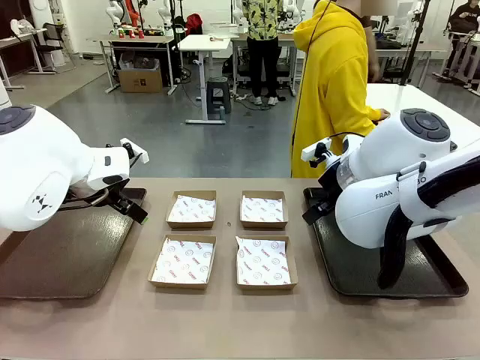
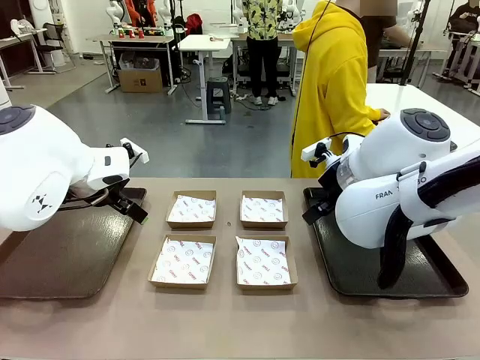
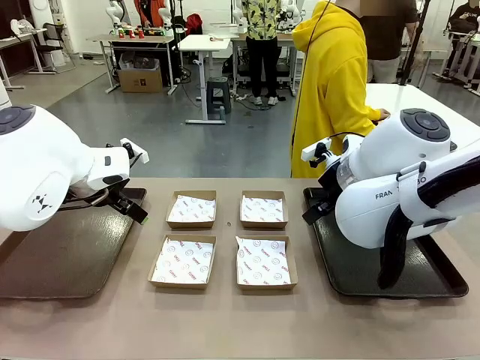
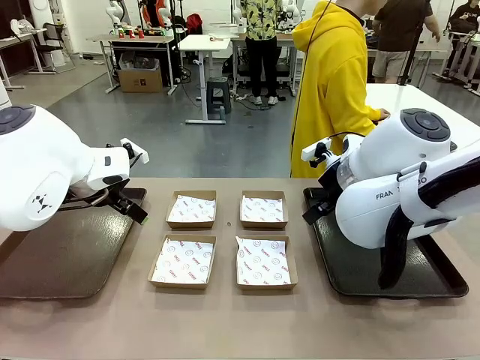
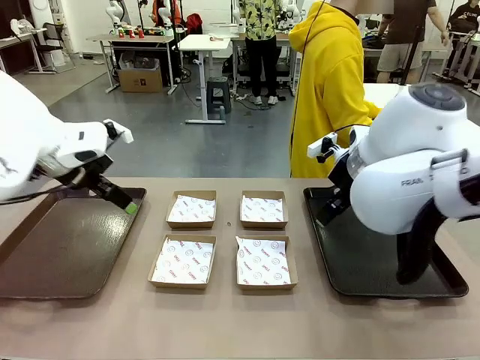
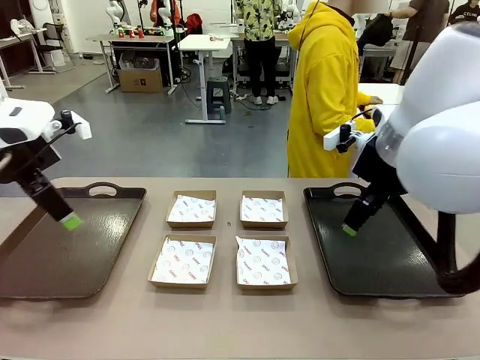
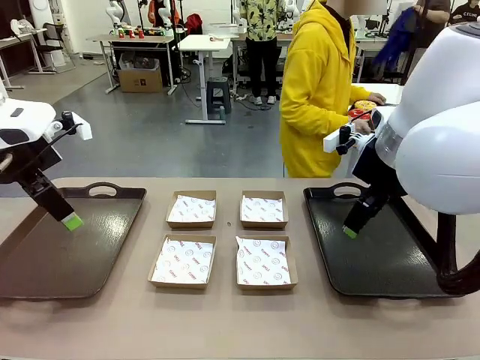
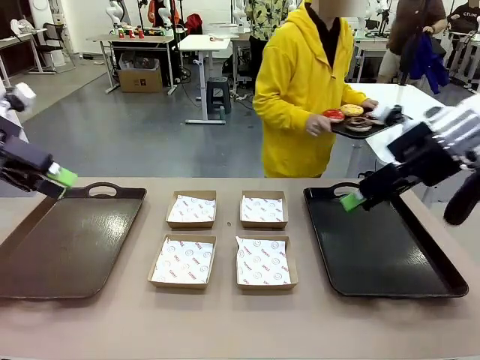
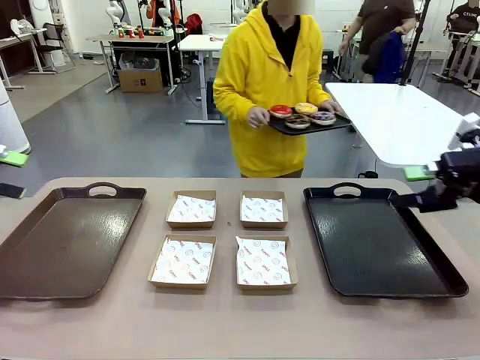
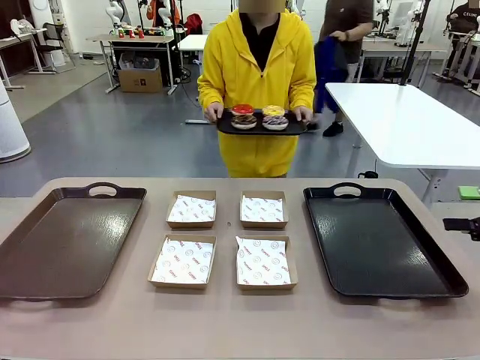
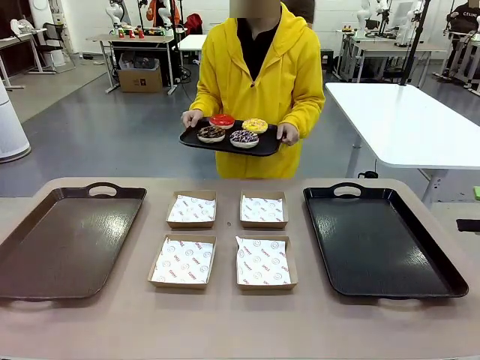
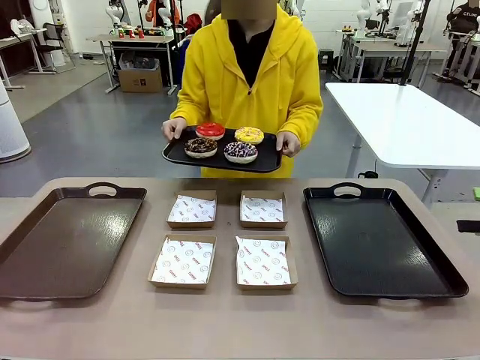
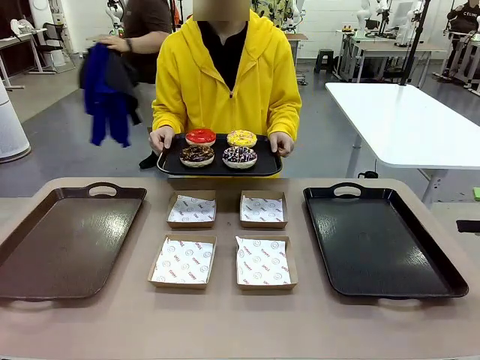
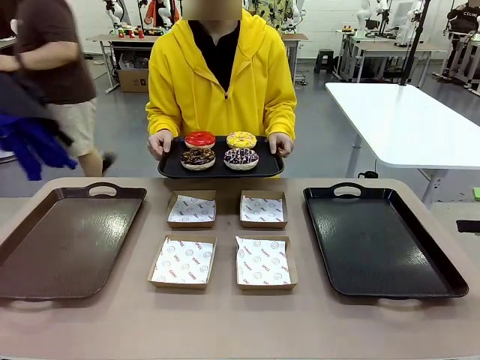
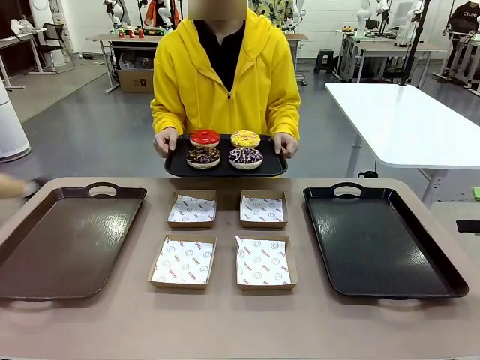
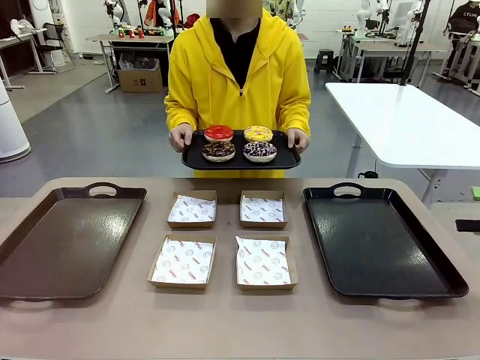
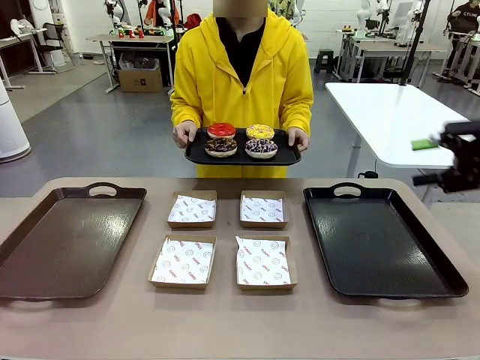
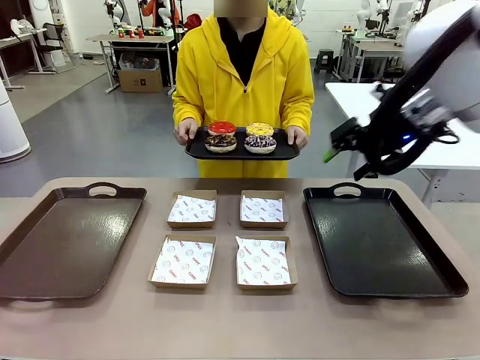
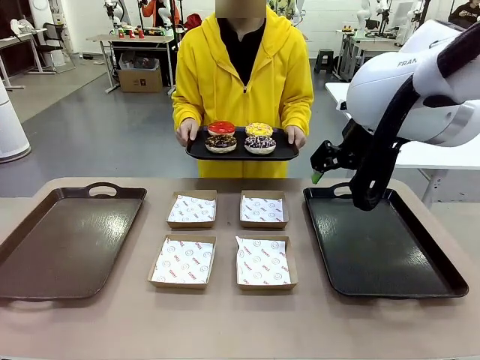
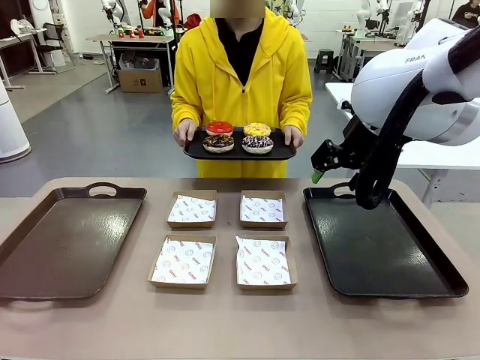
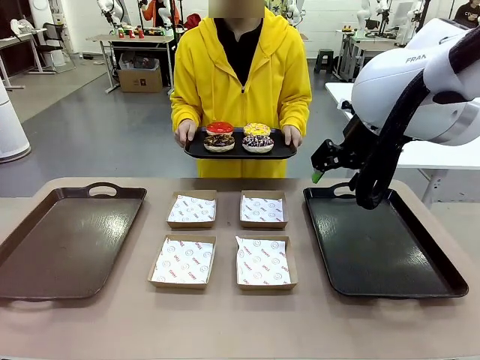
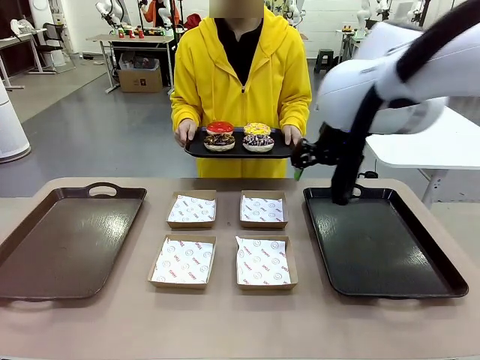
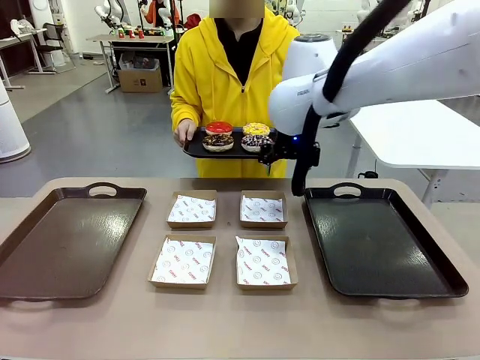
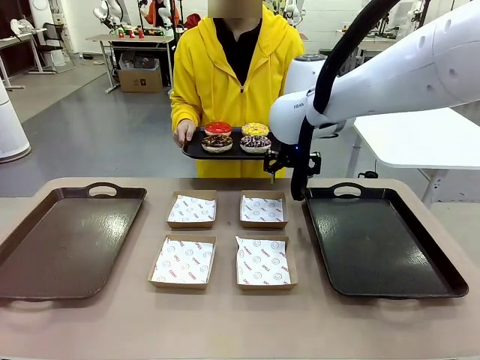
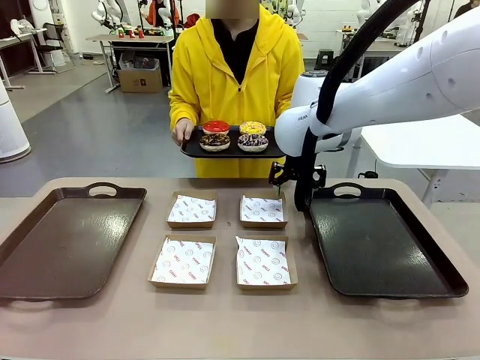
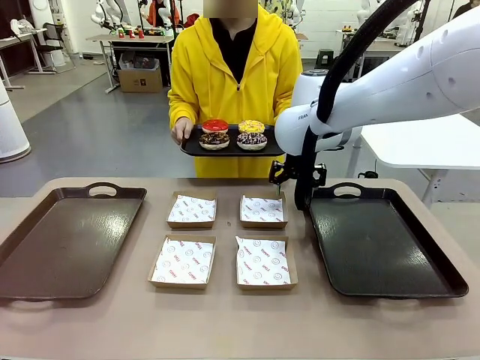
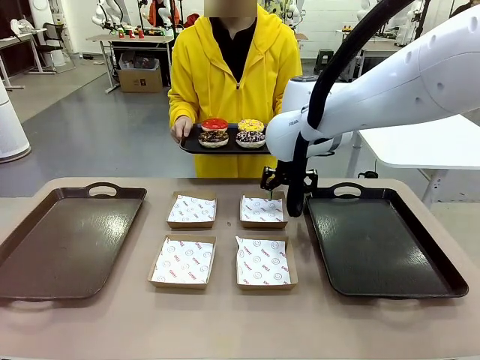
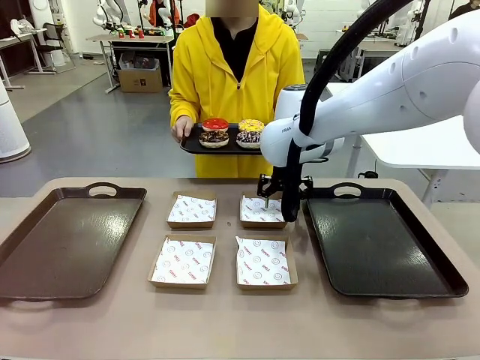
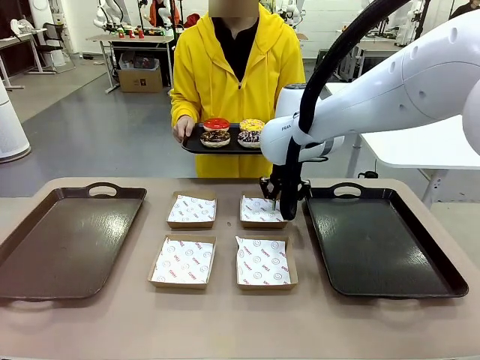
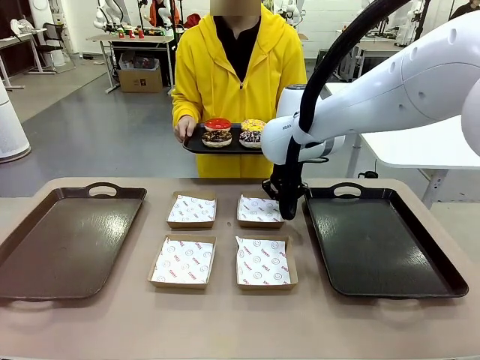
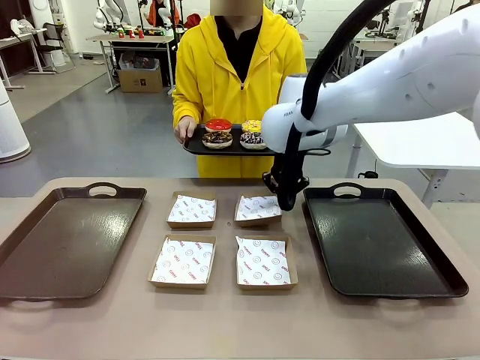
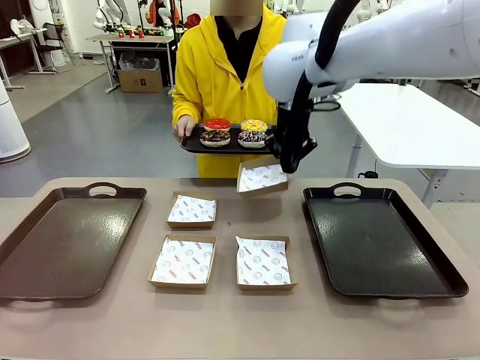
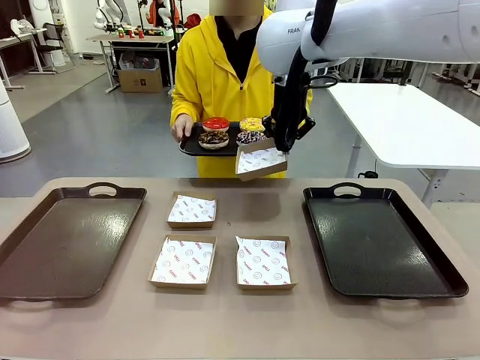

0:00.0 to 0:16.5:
Task: Individually package the donuts and arrange them on the tray.
Robot: Pick up one Paper togo box.
Person: Stand in front of the robot table holding the tray containing the donuts.
